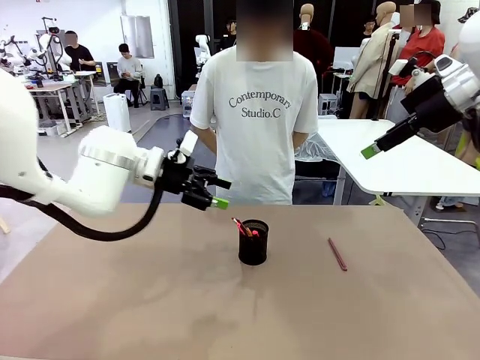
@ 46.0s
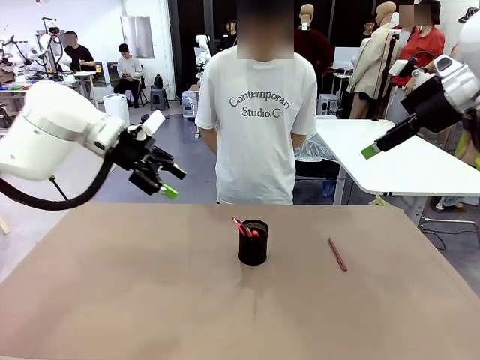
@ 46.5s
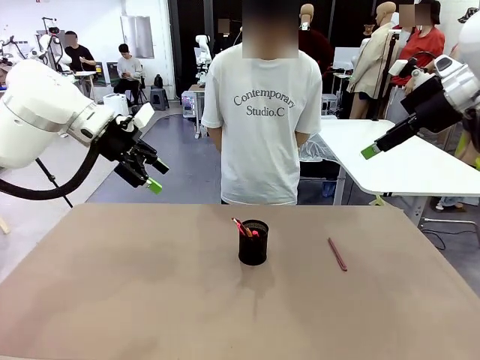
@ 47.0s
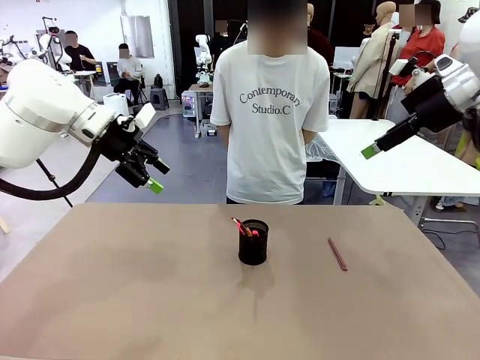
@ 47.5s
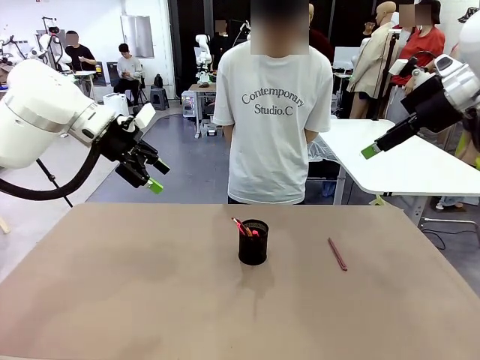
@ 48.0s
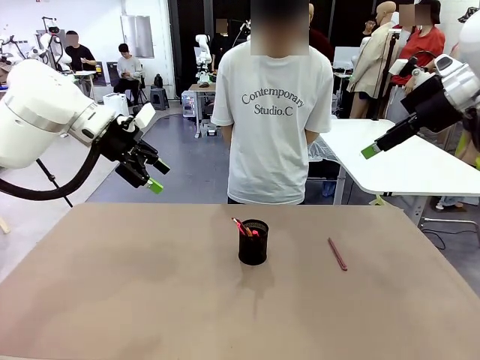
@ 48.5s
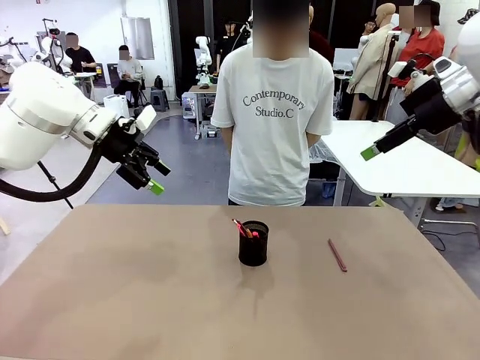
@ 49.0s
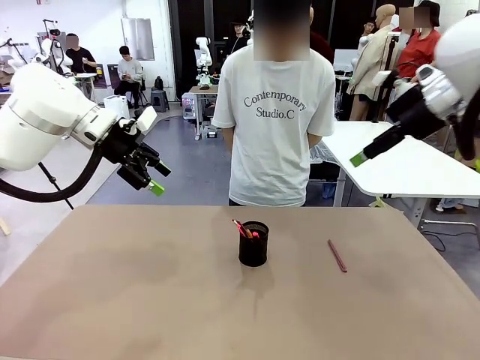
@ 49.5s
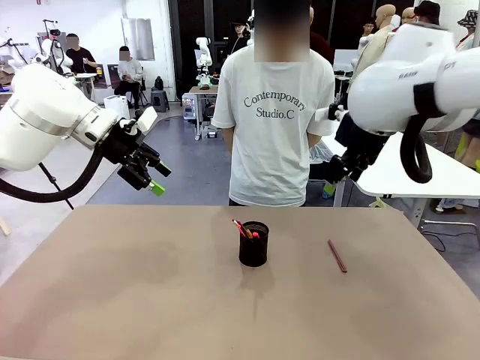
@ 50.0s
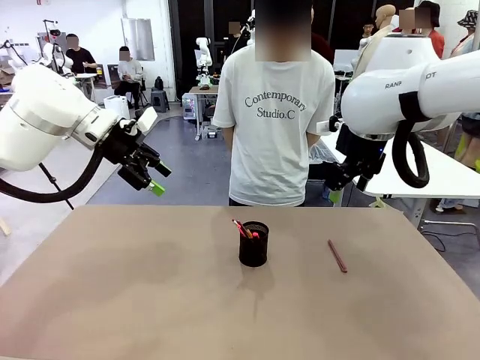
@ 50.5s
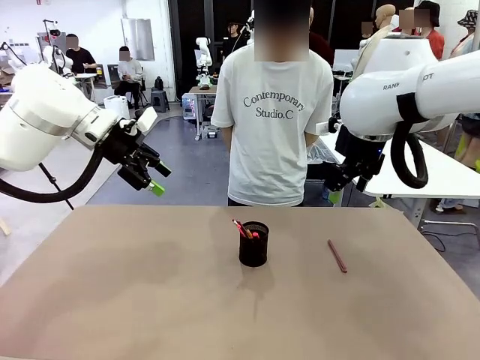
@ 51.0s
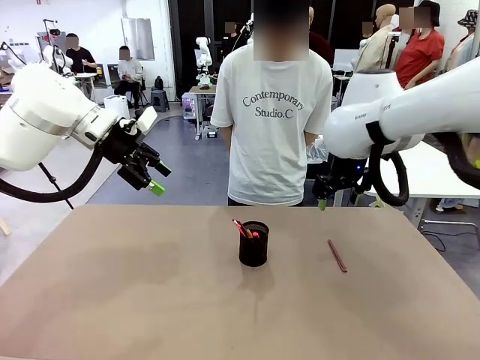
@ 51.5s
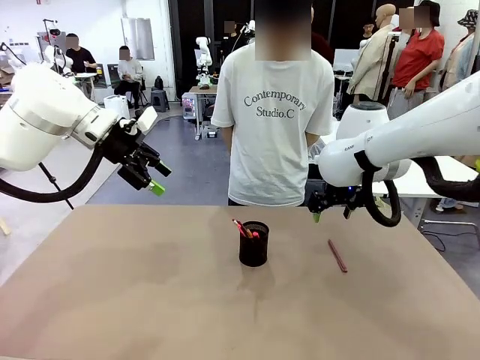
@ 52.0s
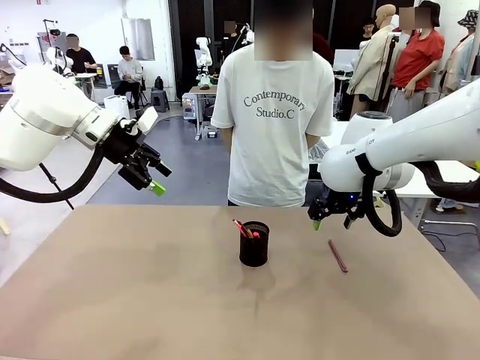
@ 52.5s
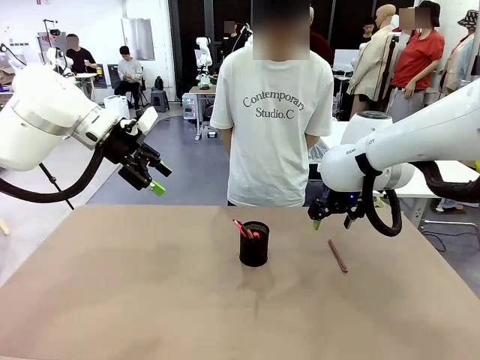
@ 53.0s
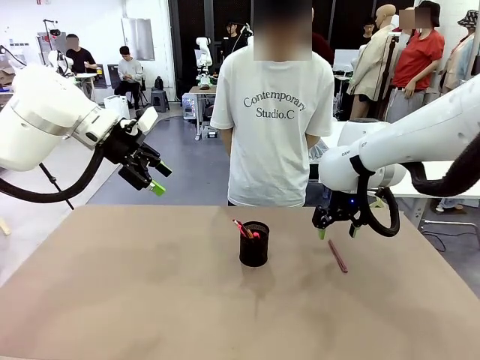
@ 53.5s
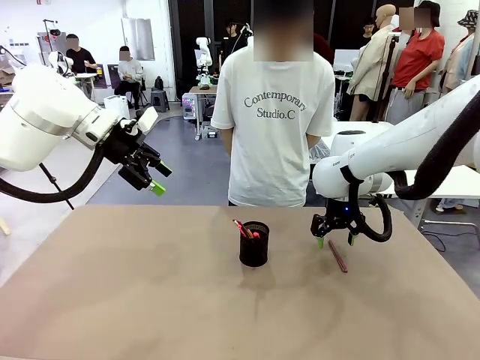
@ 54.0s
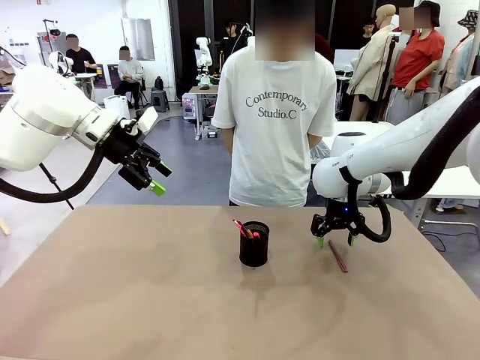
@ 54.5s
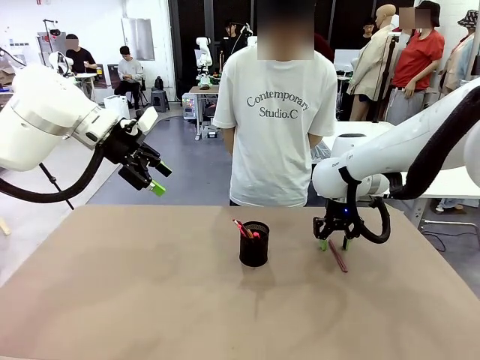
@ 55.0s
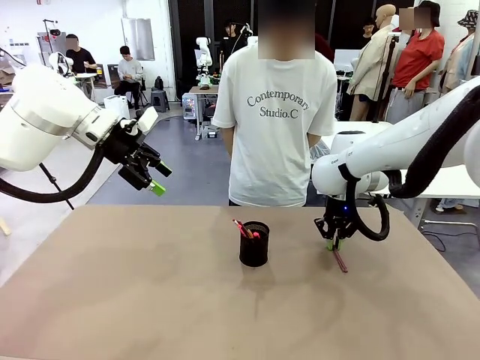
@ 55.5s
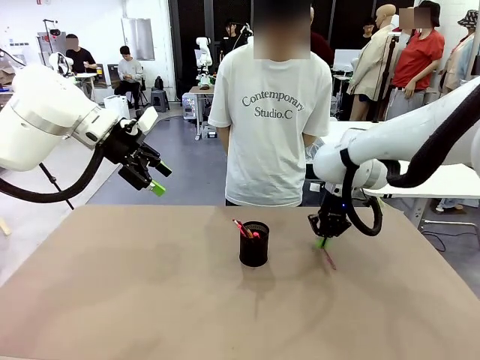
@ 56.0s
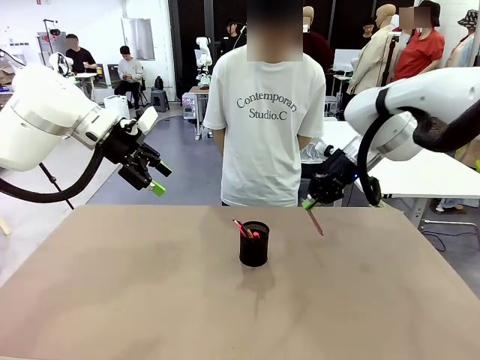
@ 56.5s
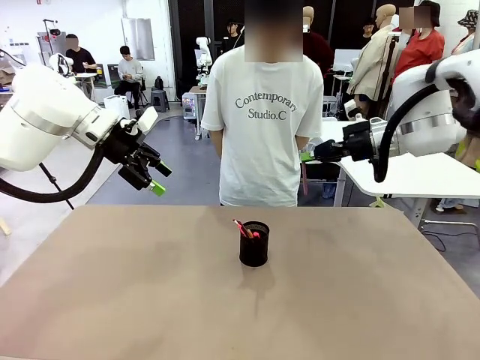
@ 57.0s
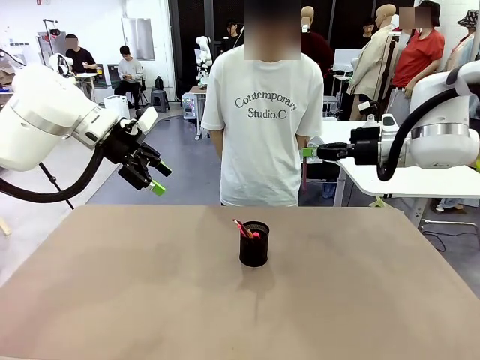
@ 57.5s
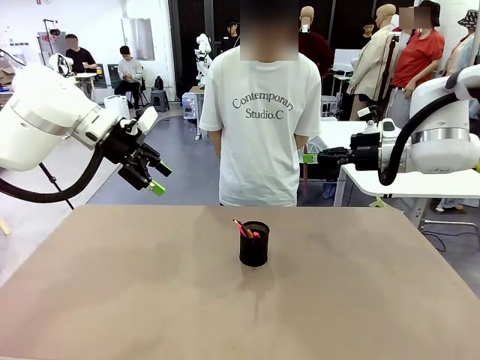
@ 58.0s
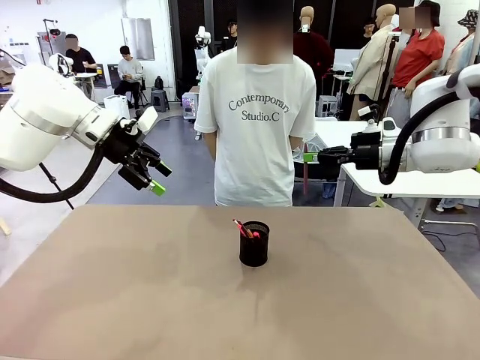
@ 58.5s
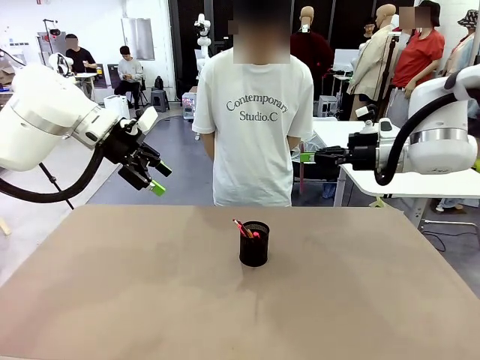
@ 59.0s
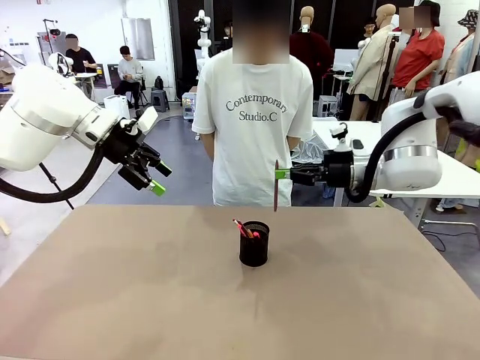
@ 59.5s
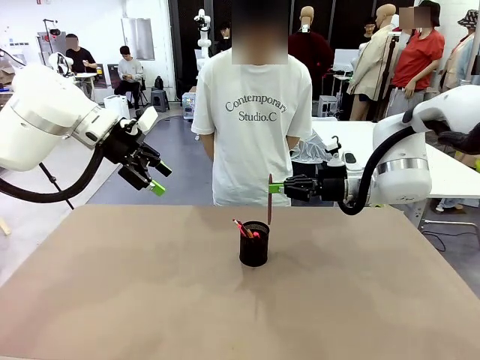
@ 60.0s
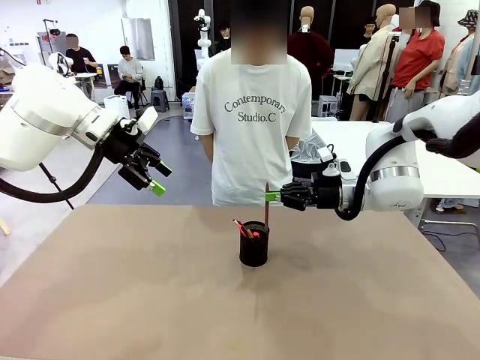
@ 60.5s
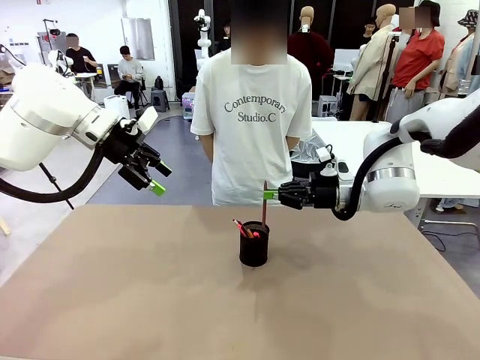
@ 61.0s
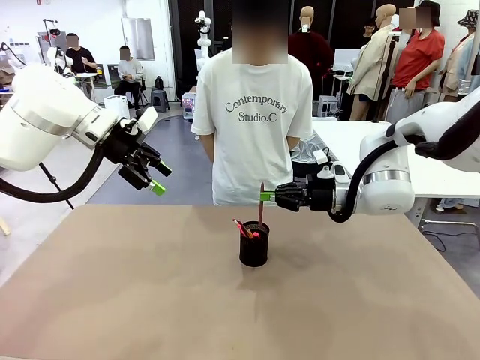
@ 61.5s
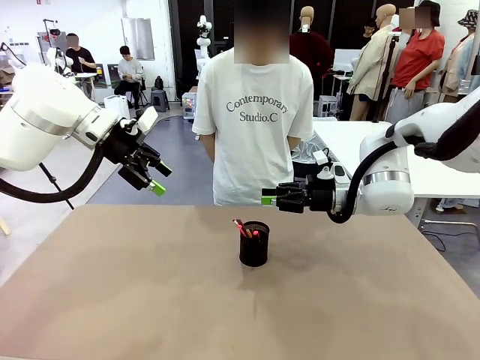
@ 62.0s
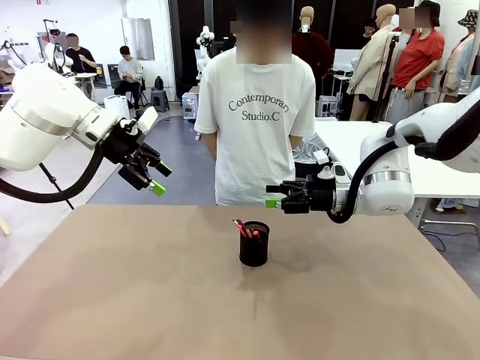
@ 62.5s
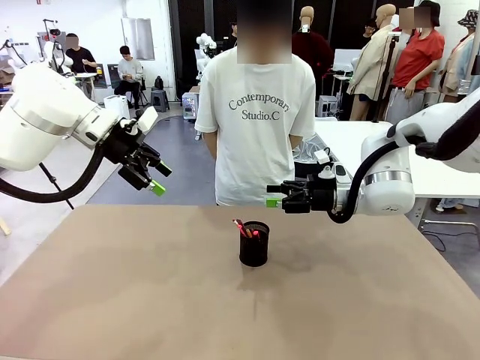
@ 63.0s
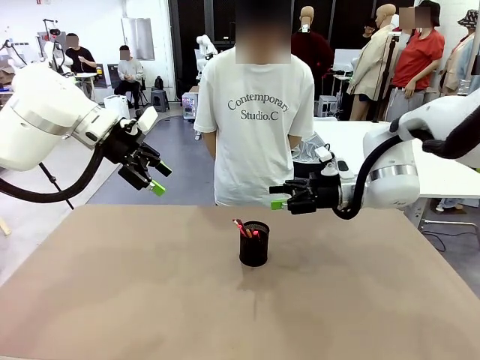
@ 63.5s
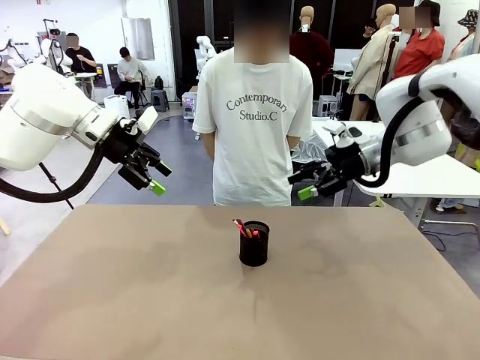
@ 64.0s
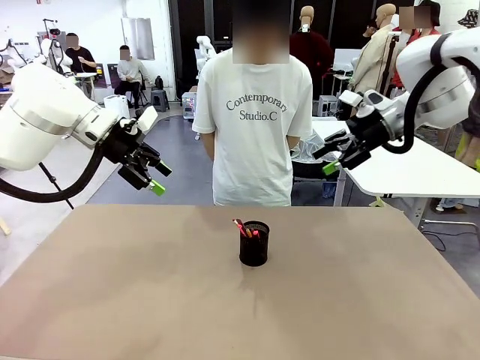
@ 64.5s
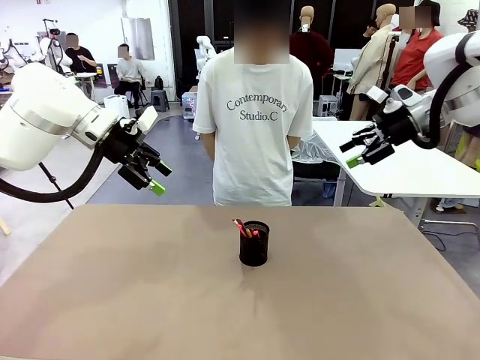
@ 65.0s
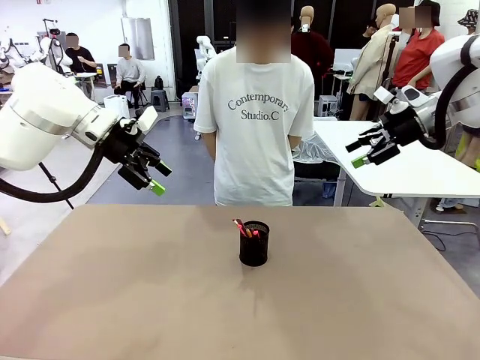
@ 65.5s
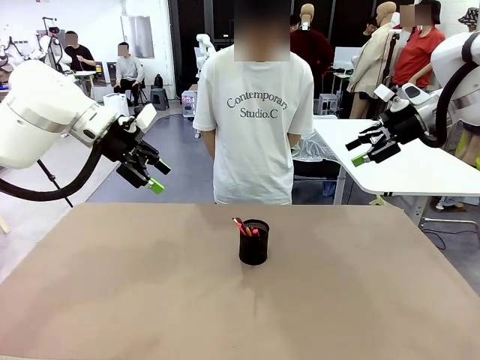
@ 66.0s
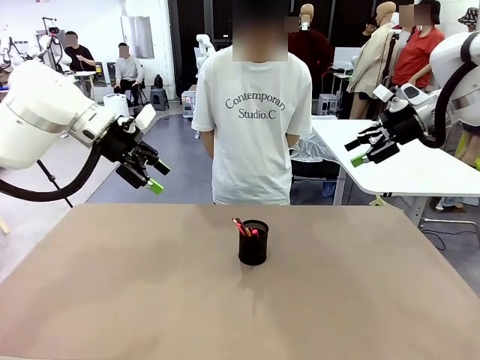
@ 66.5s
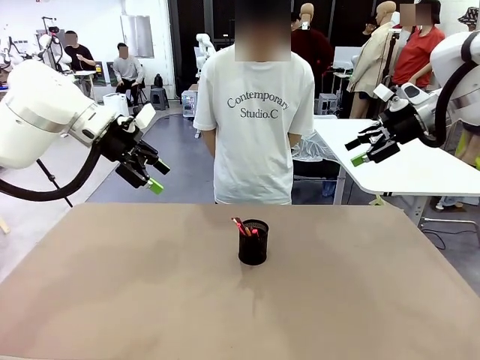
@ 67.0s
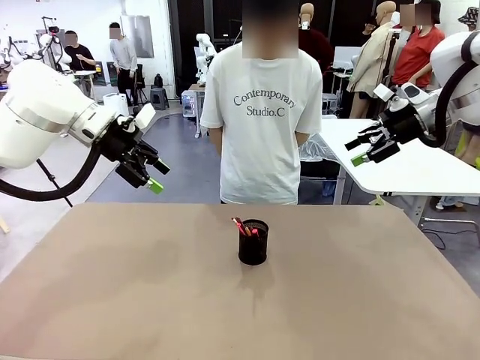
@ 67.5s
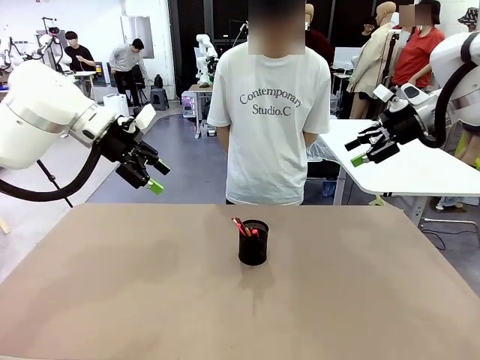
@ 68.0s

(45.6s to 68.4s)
Task: Place the pens into the pen holder.
Robot: Pick up a writing instrument from the table and place it into the Pen holder.

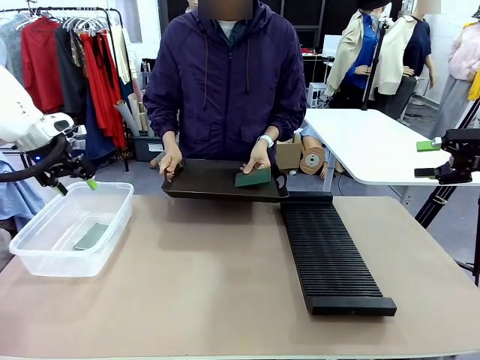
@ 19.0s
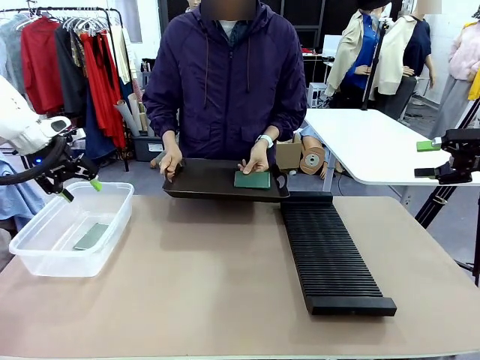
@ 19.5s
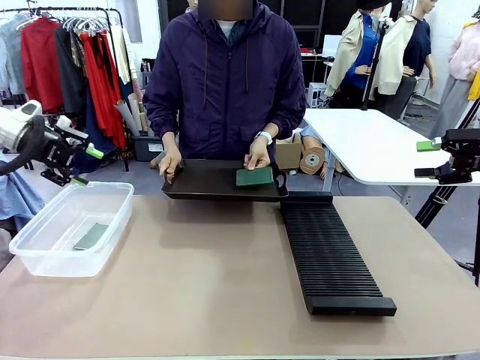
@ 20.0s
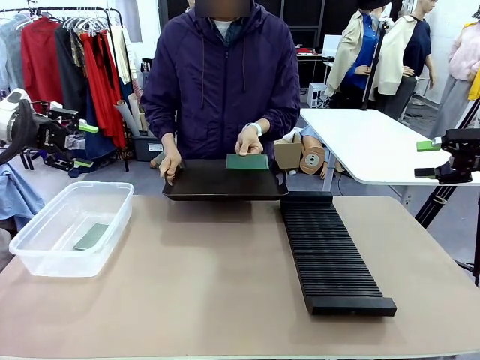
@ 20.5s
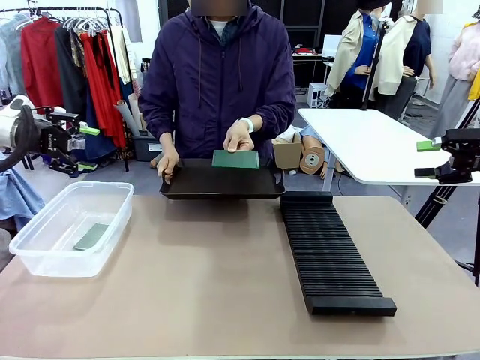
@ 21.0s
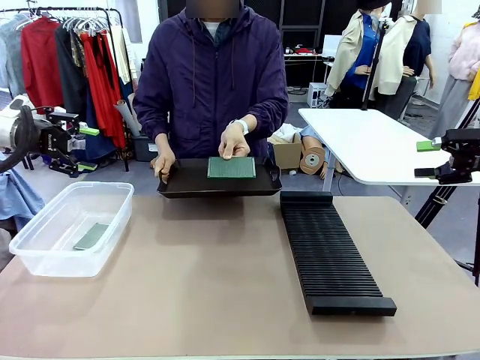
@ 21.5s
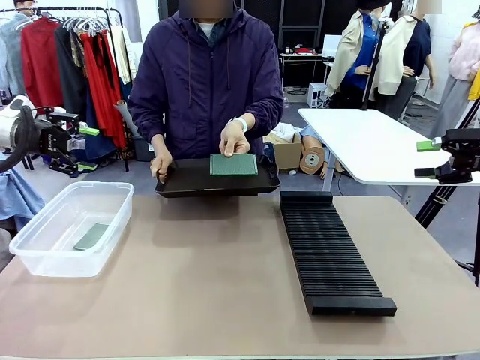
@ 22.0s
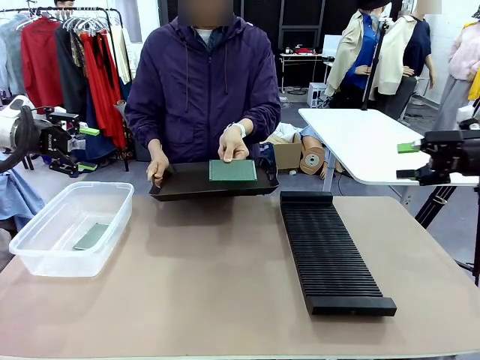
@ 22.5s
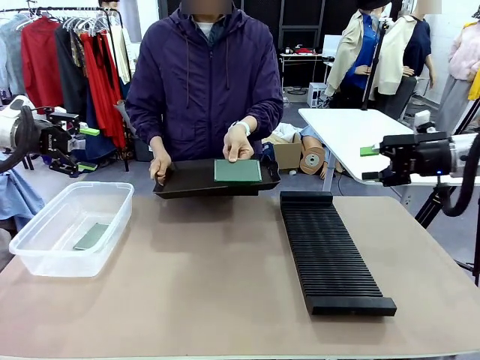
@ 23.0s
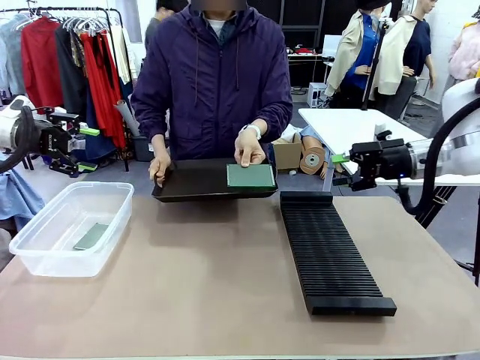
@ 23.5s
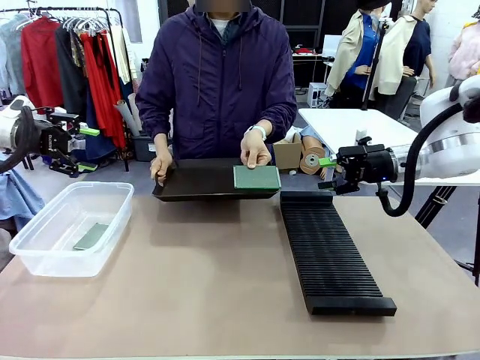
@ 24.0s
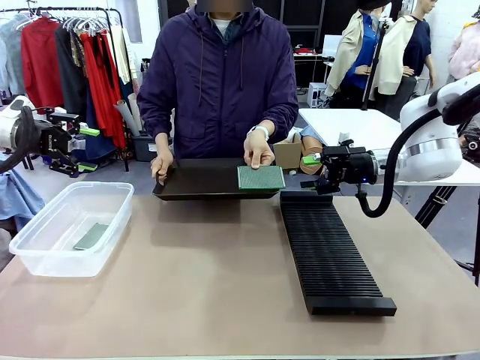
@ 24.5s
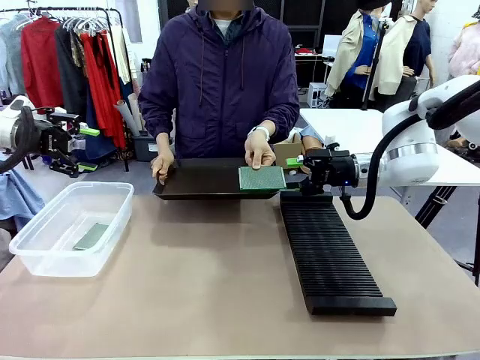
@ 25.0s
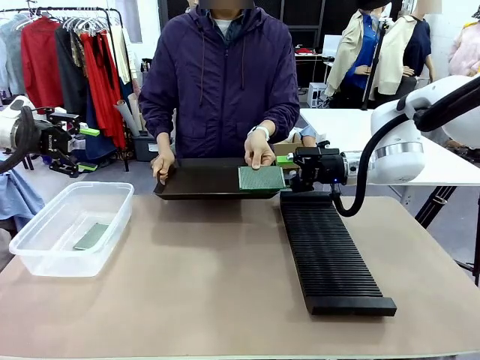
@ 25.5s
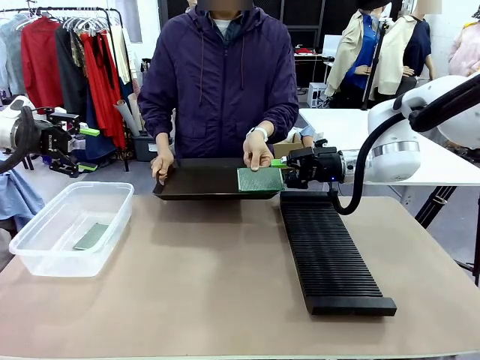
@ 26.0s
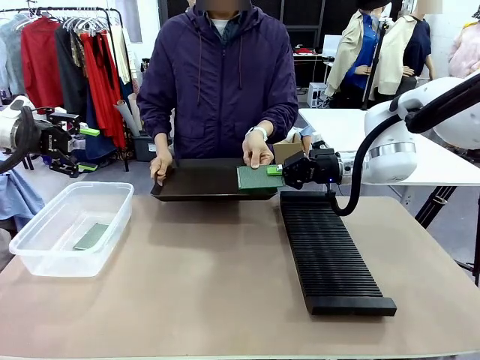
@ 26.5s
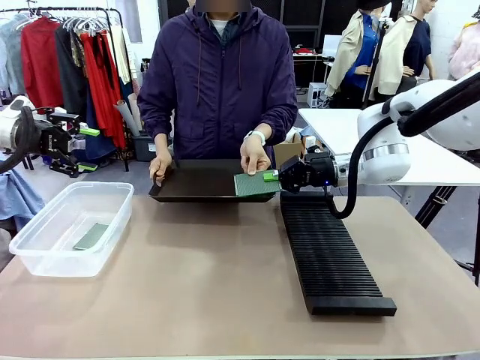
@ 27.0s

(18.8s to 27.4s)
Task: Sort PCBs into racks and boxes based on the side picked up.
Robot: Pick up the Blank PCB handed by the Human.
